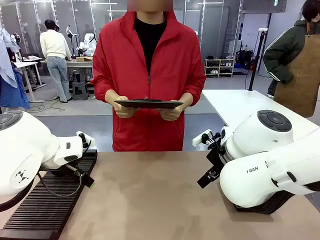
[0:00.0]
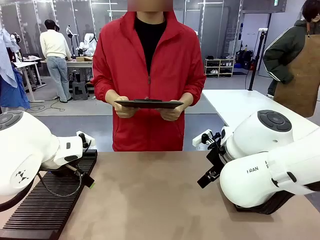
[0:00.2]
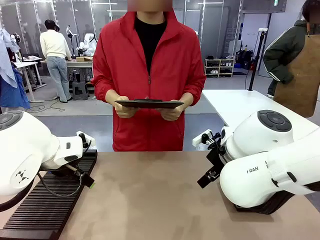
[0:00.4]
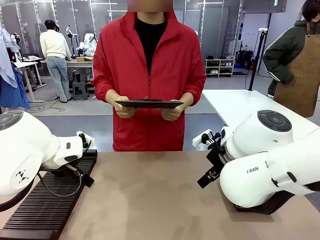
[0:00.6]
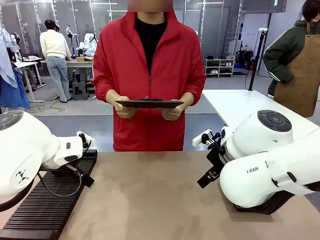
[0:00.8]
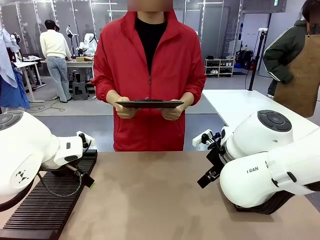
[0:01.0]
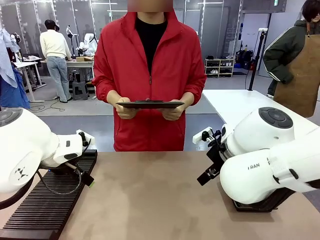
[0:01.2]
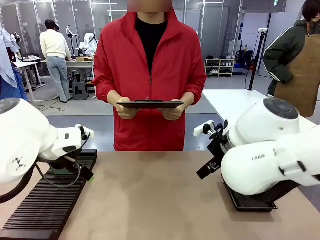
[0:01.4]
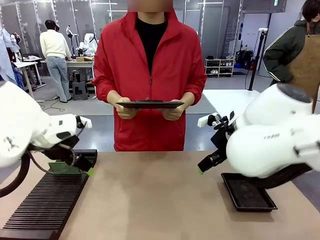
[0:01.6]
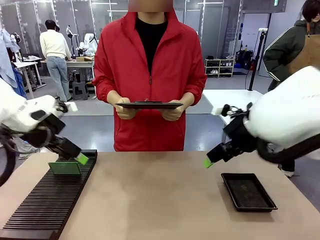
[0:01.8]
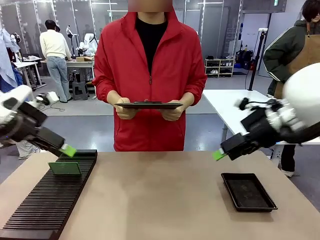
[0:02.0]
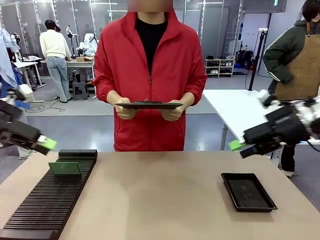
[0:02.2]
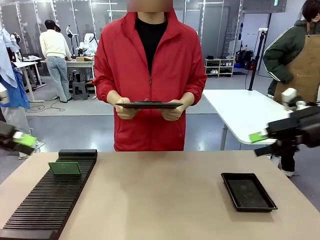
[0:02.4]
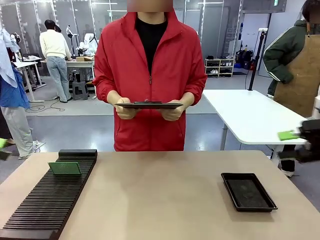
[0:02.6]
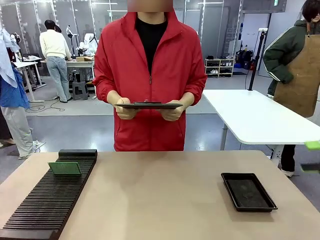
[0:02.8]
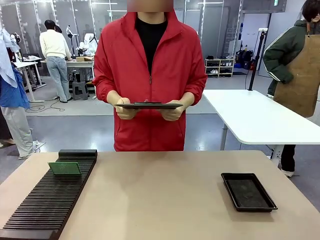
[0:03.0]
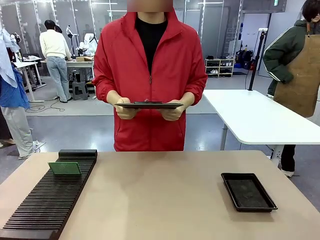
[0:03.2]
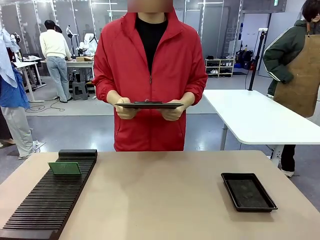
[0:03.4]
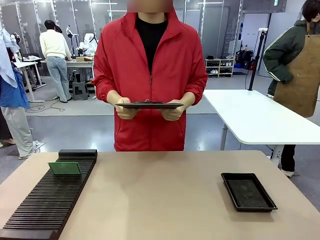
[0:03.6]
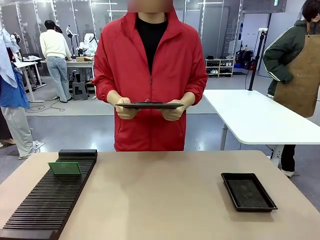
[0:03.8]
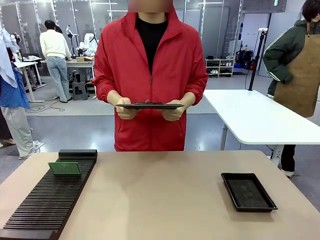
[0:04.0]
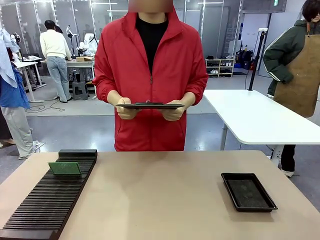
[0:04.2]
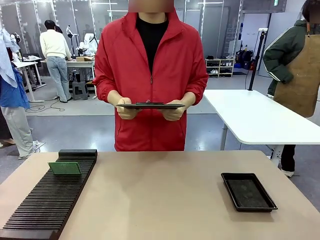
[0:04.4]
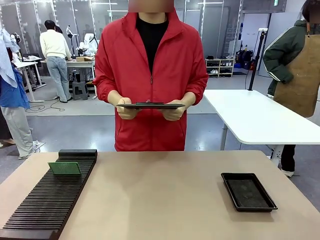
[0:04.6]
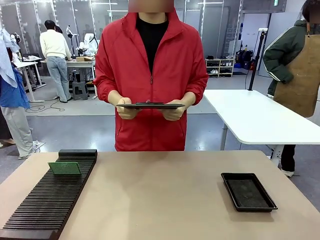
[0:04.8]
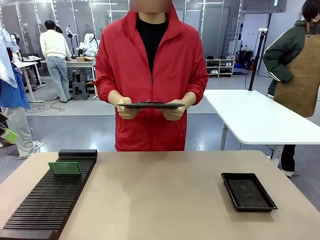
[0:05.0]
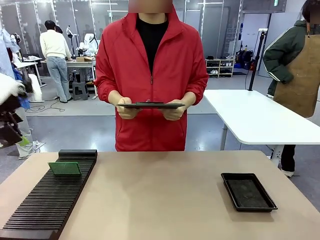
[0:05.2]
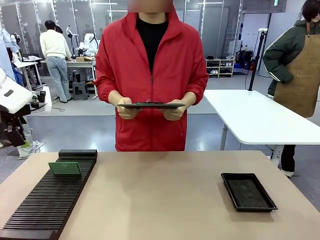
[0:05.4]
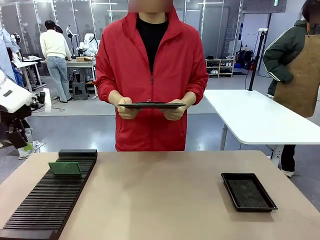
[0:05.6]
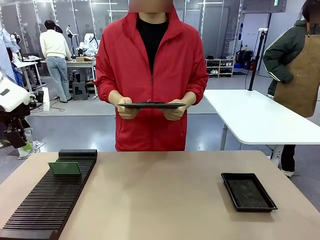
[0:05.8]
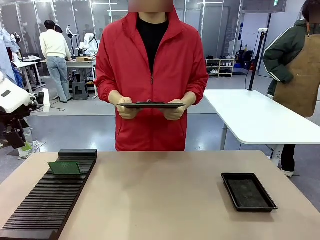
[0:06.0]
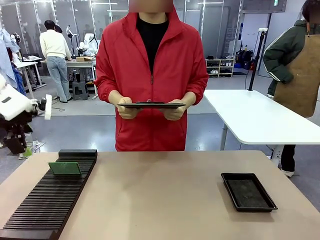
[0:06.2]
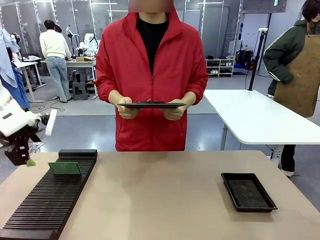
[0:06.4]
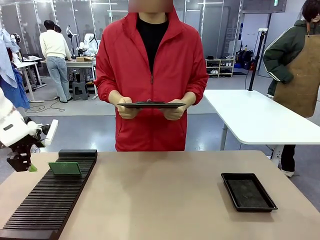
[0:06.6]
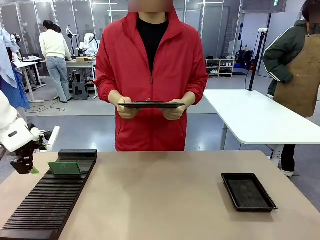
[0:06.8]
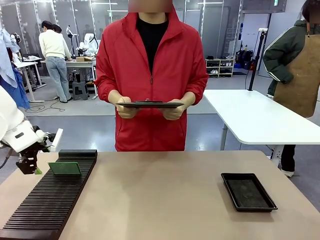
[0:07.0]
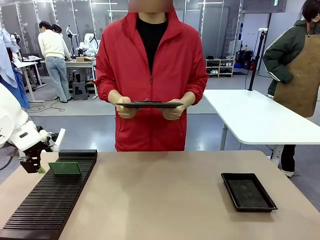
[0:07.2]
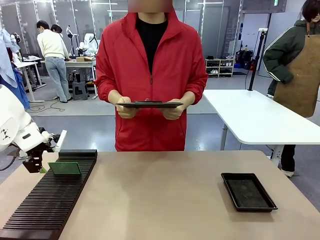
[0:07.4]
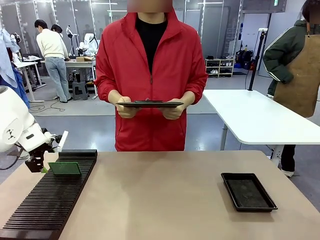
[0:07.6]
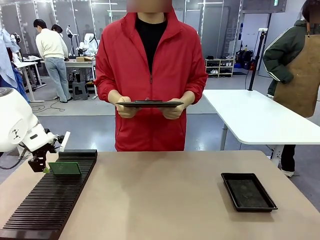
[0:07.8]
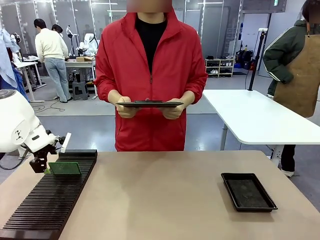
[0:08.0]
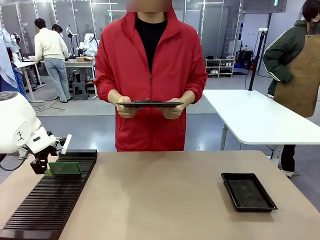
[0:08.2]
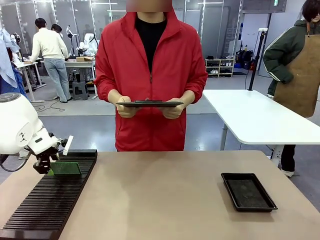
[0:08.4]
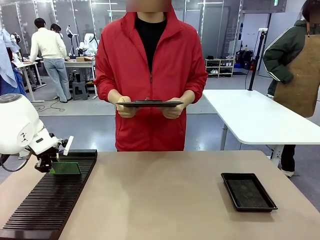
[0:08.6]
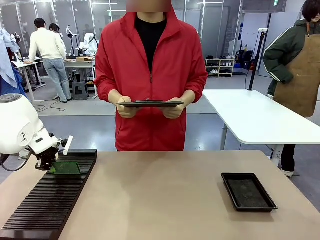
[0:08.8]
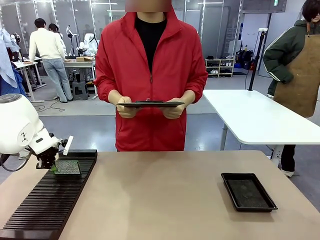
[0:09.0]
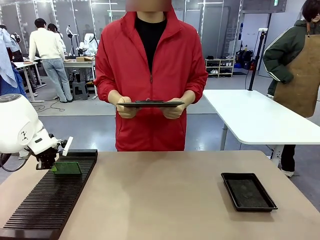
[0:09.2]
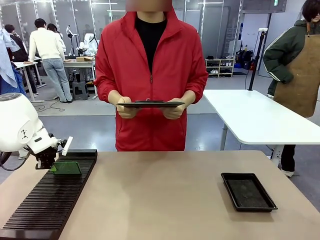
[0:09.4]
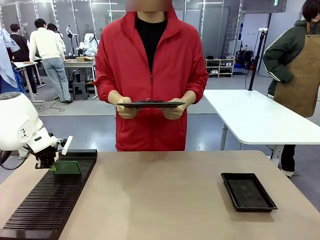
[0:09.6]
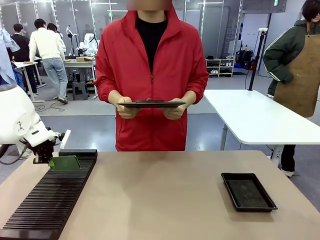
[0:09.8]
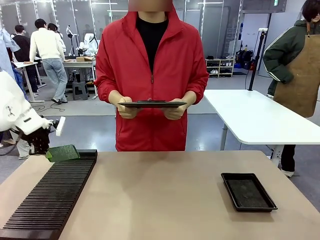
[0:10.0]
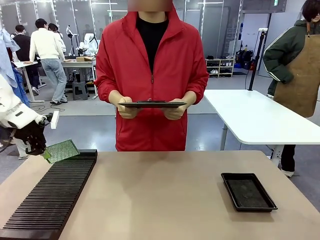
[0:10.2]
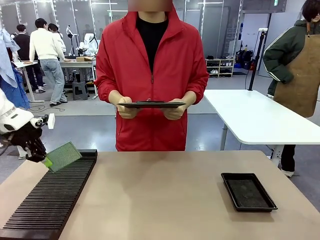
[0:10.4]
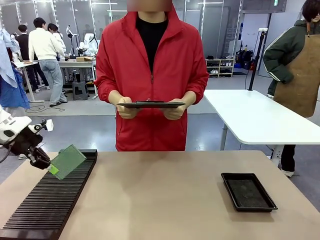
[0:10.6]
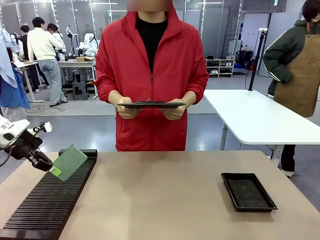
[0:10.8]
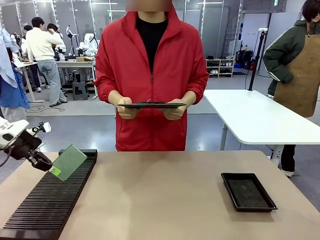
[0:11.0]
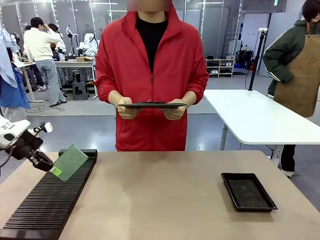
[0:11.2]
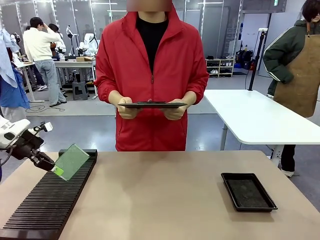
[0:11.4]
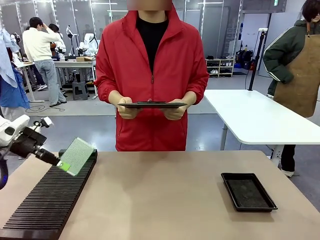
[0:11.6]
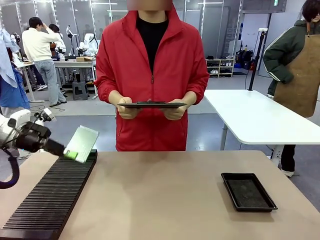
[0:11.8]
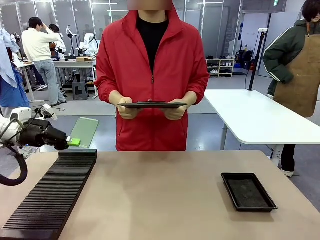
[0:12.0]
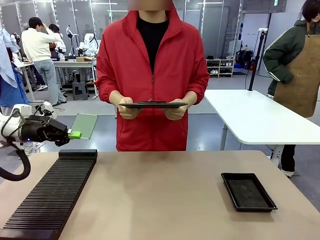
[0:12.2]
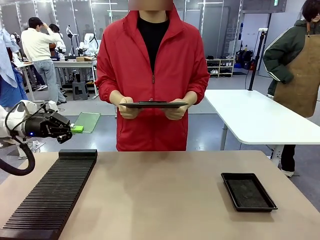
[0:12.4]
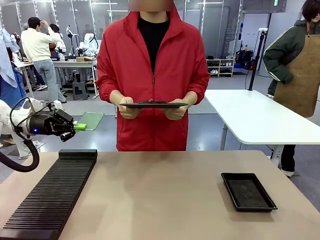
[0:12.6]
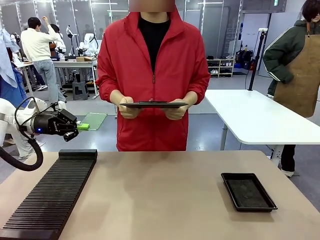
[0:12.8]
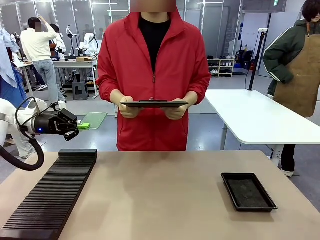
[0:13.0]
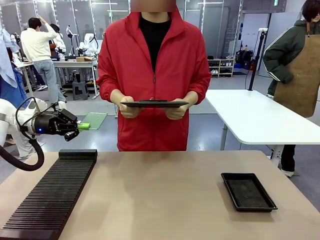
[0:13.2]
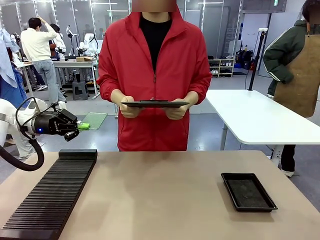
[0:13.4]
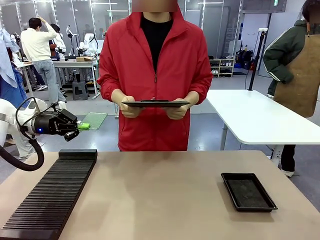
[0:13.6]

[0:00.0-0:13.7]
Task: Inspect the PCB.
Robot: Pick up the Blank PCB and present it to the human.
Person: Pick up the PCB presented by the robot.

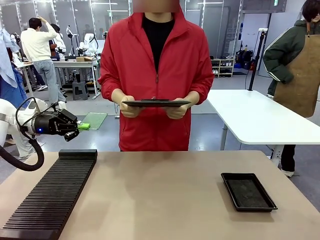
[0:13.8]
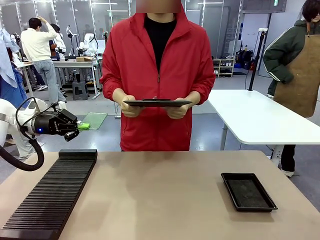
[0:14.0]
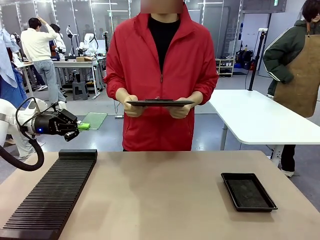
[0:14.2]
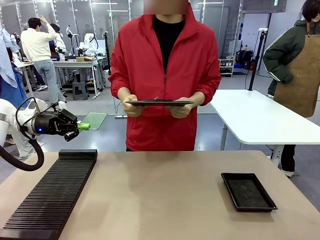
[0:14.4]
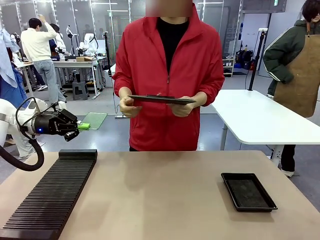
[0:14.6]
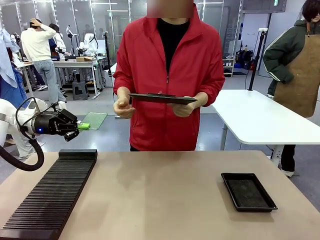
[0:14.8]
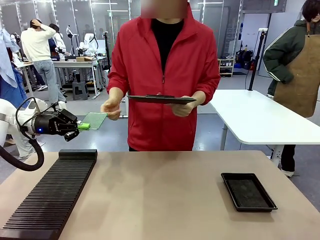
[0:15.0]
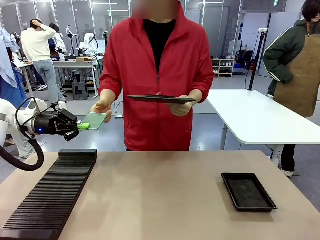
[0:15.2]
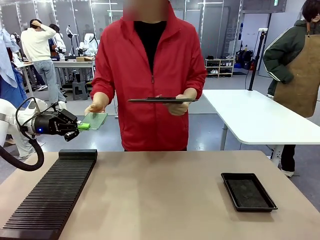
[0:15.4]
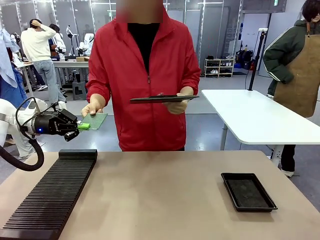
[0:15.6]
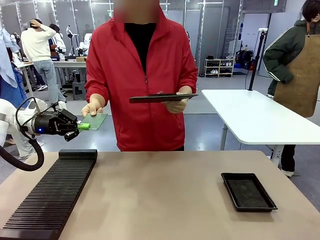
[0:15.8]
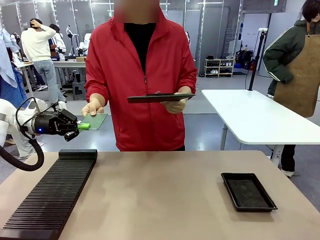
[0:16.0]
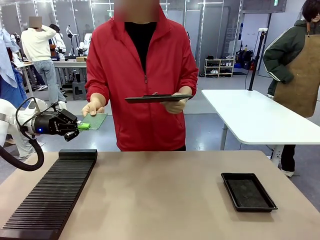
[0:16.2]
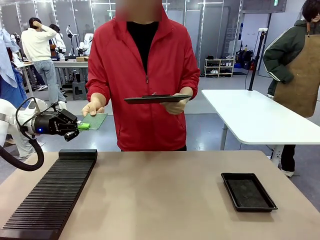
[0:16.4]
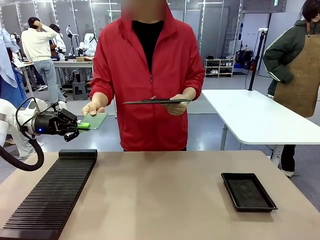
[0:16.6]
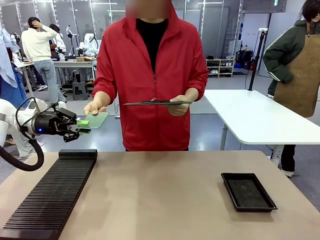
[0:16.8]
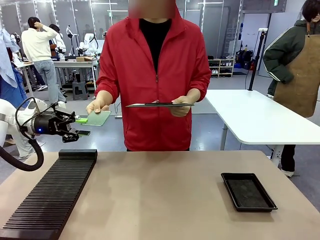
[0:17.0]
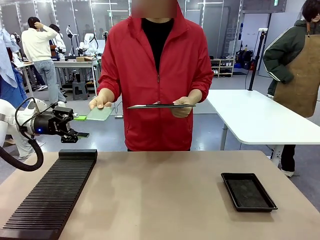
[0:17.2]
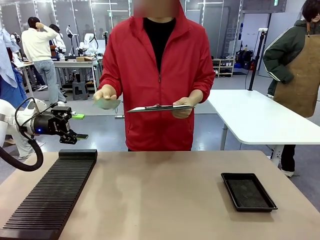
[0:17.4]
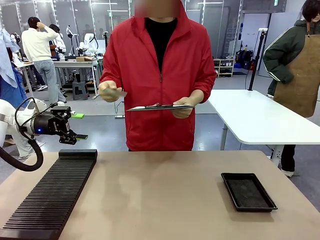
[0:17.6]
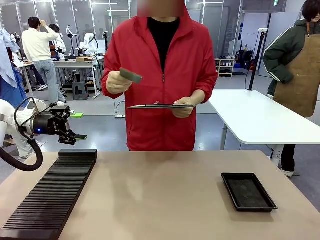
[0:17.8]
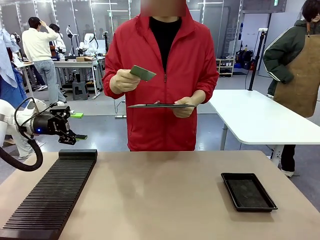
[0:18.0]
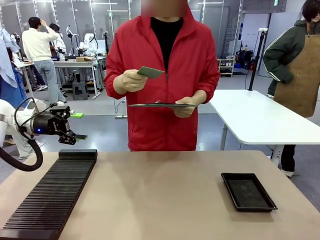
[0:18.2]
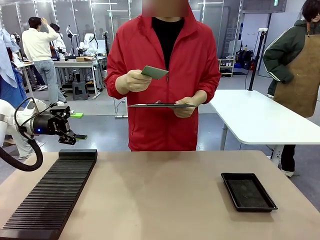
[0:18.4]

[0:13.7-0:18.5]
Robot: Release the Blank PCB you were holding.
